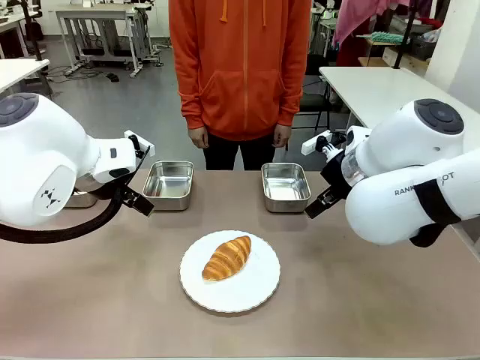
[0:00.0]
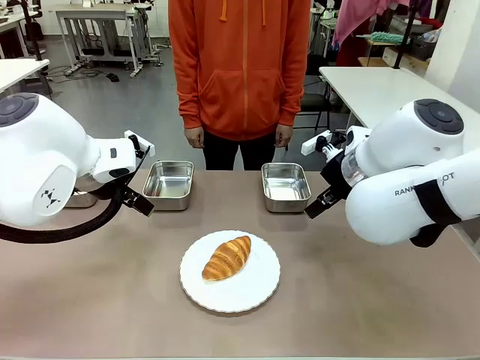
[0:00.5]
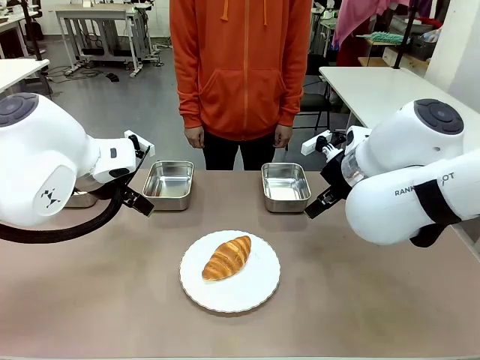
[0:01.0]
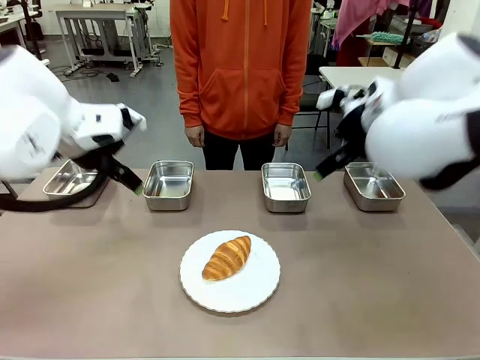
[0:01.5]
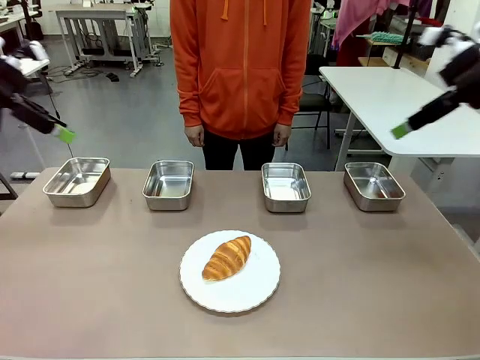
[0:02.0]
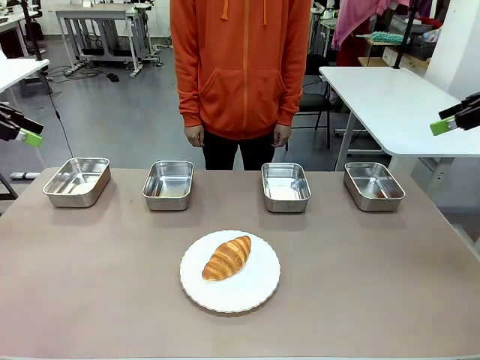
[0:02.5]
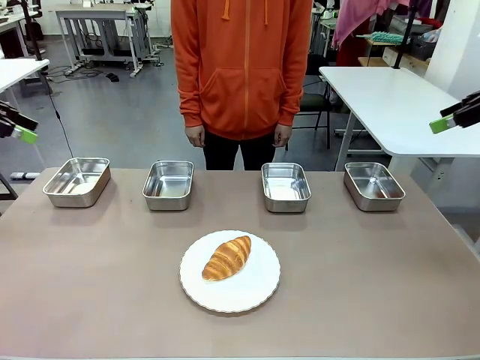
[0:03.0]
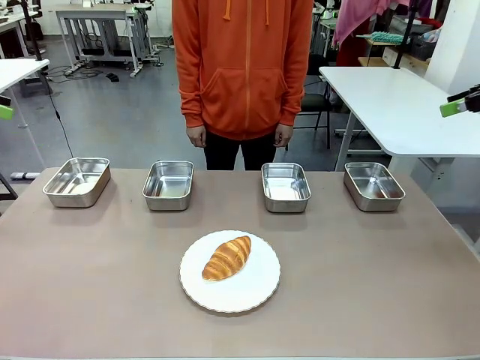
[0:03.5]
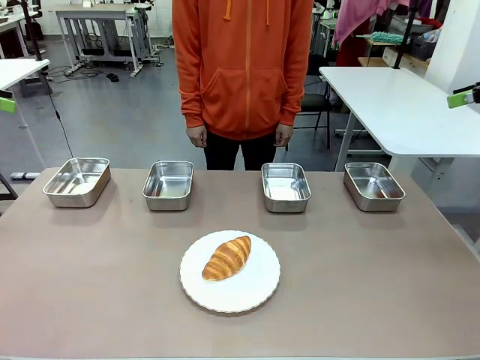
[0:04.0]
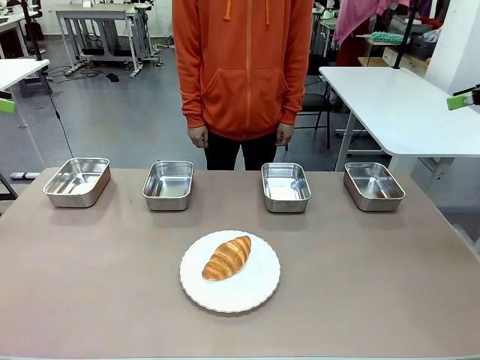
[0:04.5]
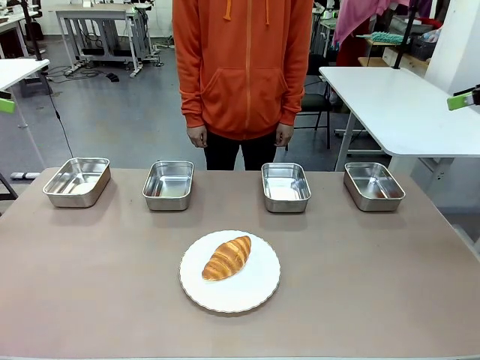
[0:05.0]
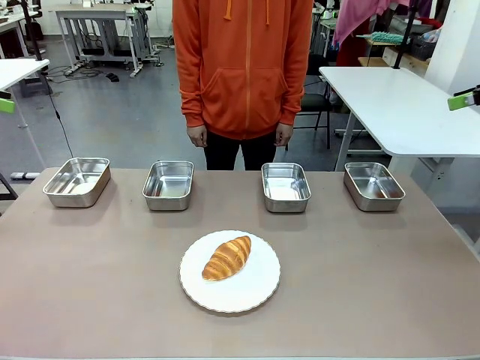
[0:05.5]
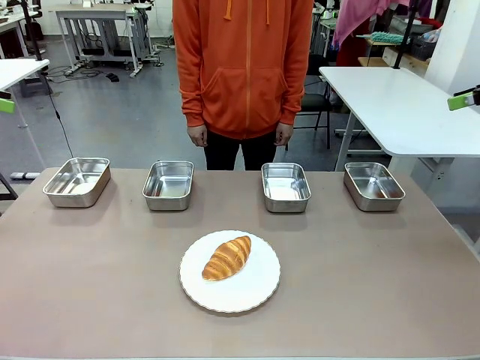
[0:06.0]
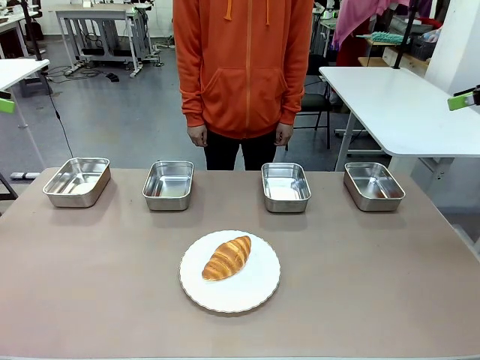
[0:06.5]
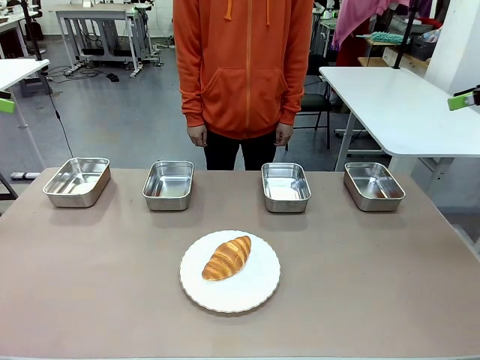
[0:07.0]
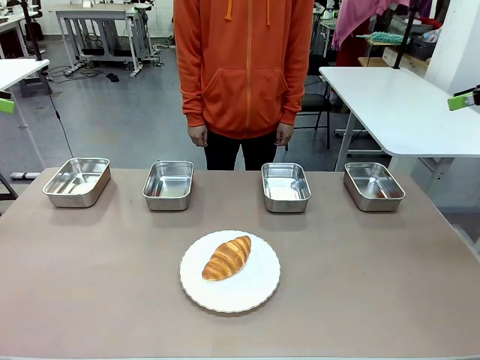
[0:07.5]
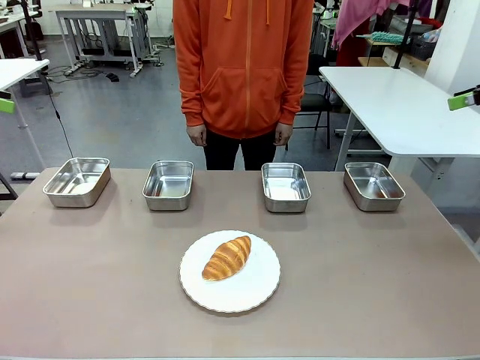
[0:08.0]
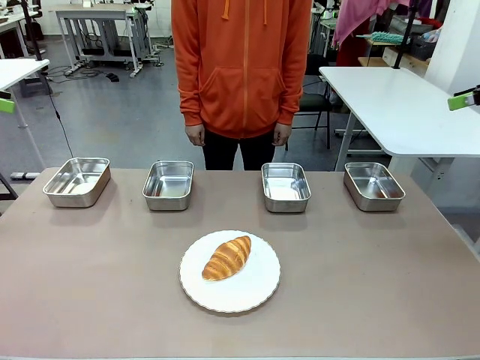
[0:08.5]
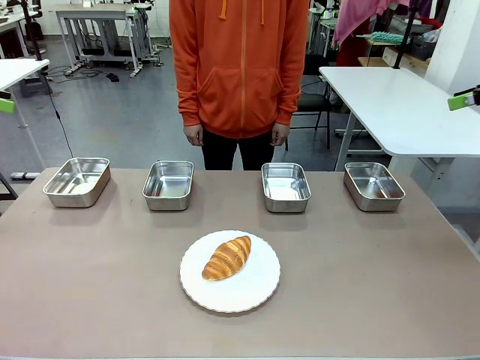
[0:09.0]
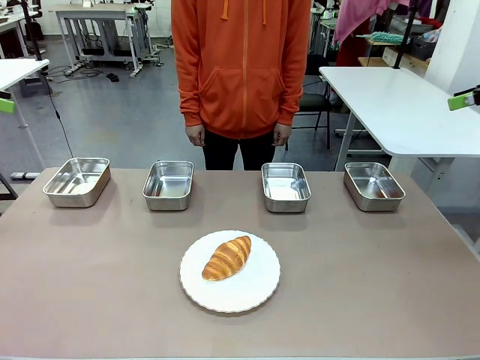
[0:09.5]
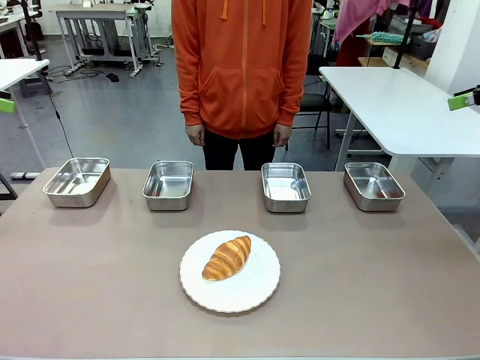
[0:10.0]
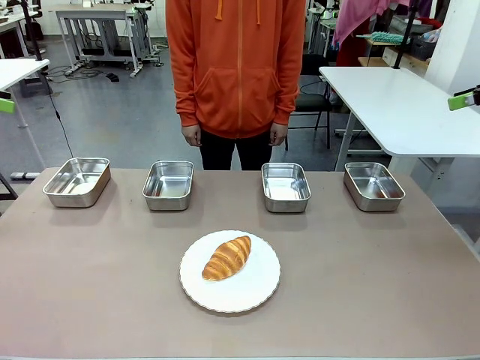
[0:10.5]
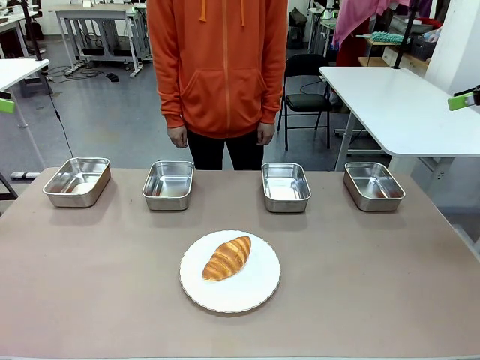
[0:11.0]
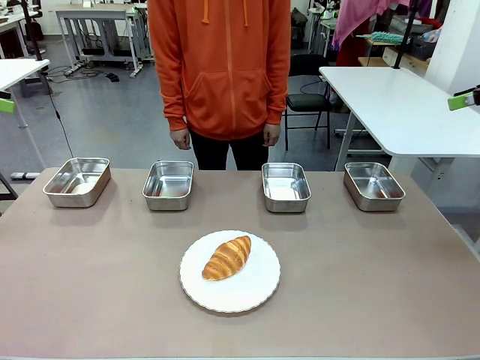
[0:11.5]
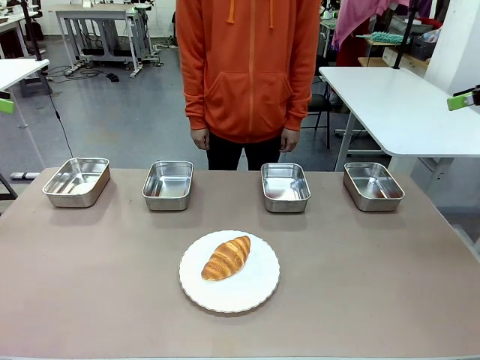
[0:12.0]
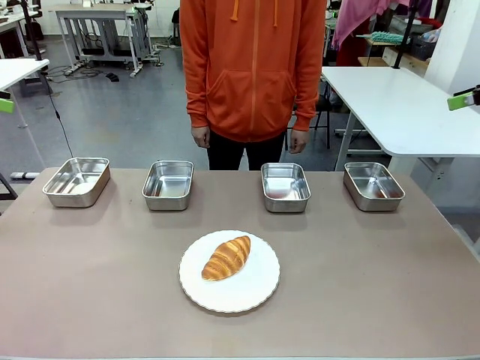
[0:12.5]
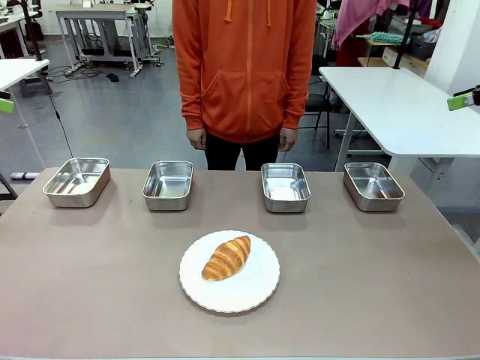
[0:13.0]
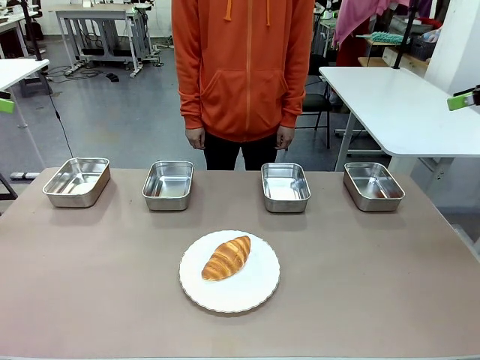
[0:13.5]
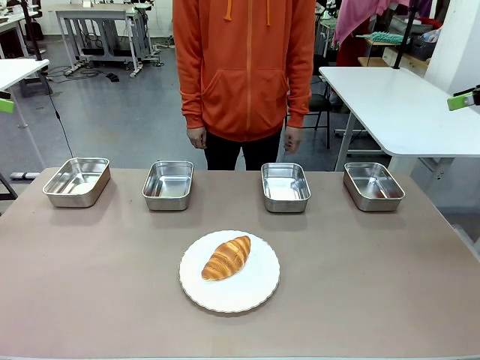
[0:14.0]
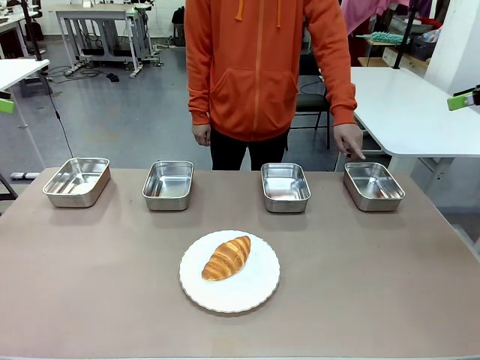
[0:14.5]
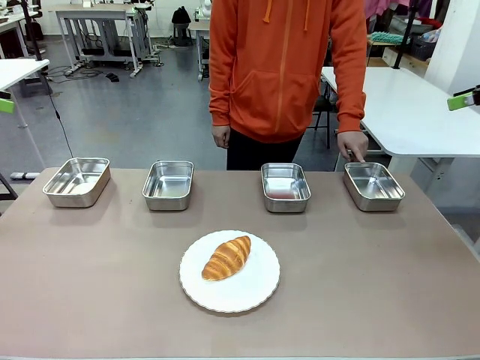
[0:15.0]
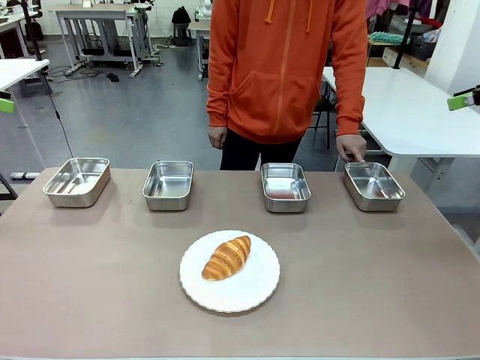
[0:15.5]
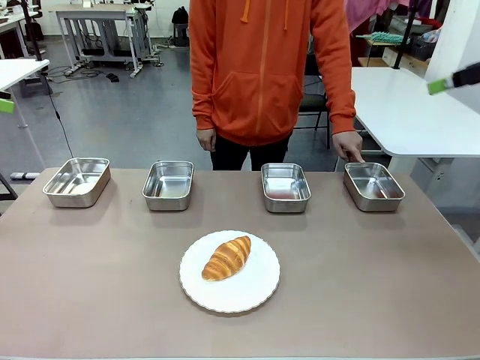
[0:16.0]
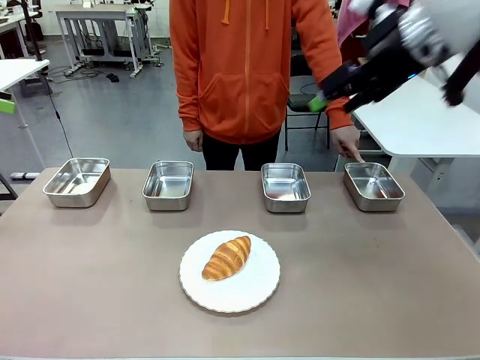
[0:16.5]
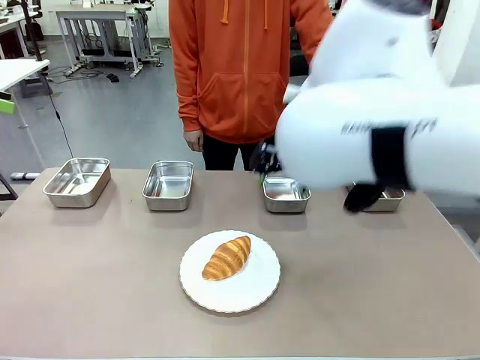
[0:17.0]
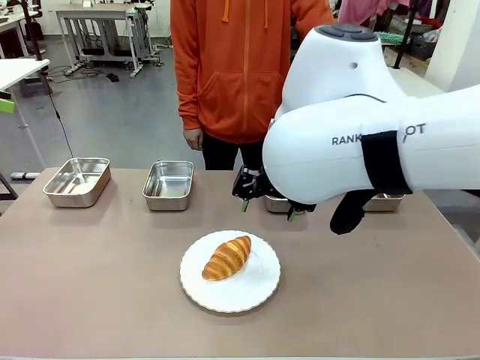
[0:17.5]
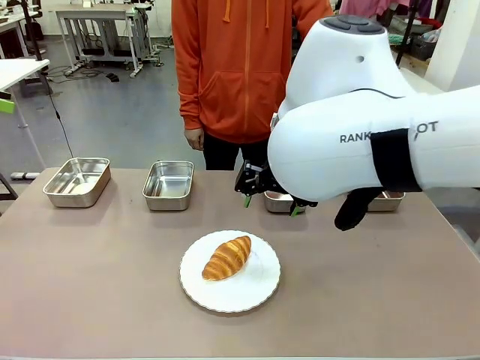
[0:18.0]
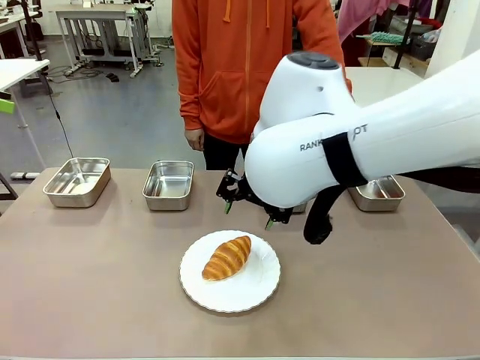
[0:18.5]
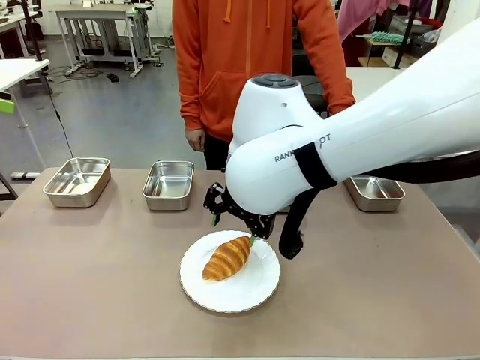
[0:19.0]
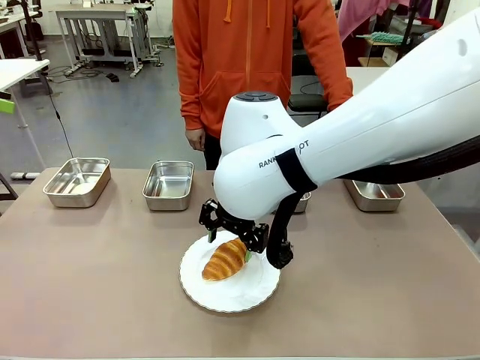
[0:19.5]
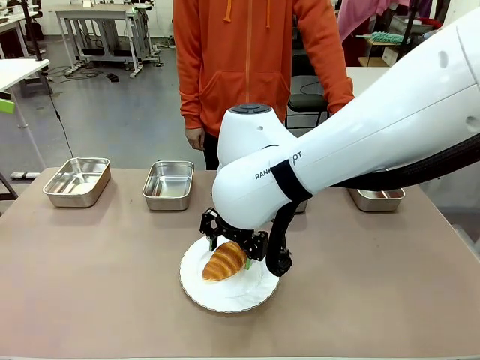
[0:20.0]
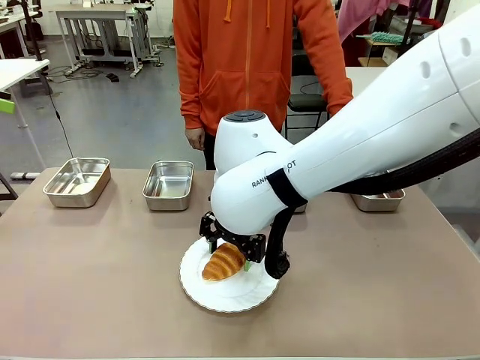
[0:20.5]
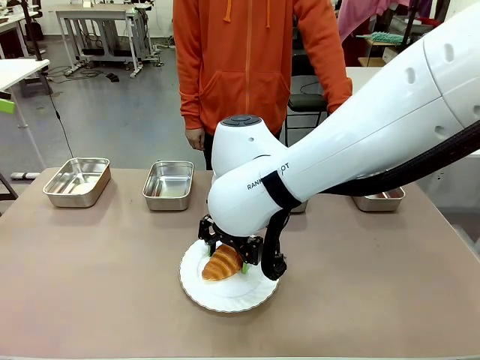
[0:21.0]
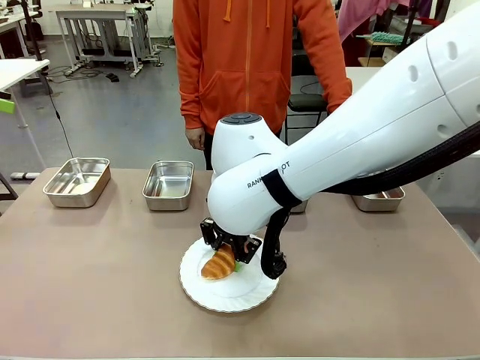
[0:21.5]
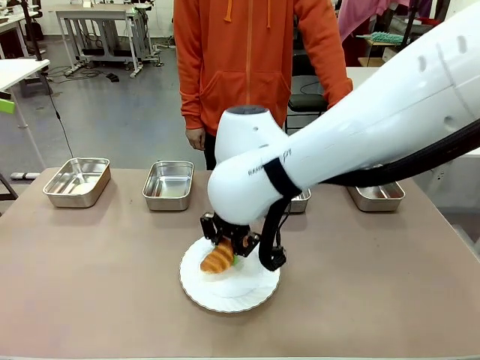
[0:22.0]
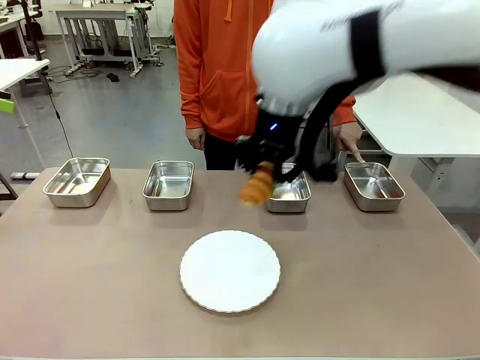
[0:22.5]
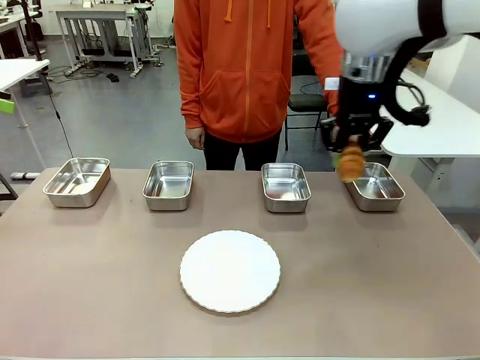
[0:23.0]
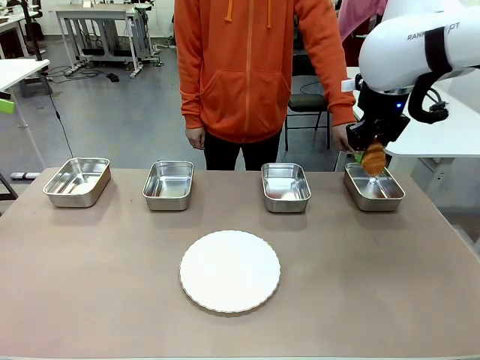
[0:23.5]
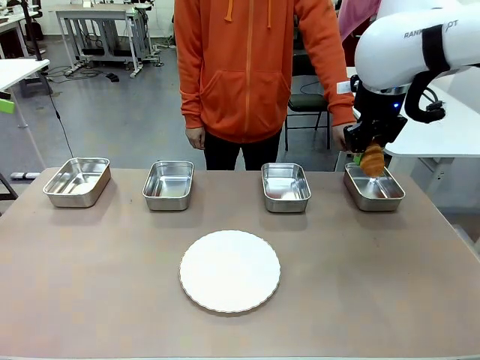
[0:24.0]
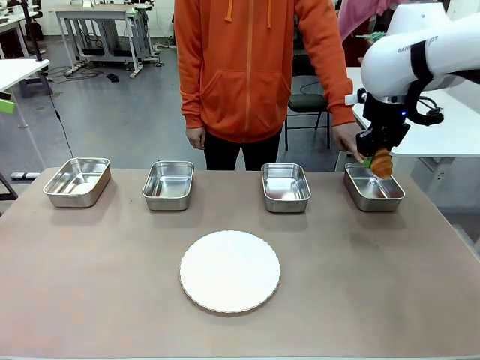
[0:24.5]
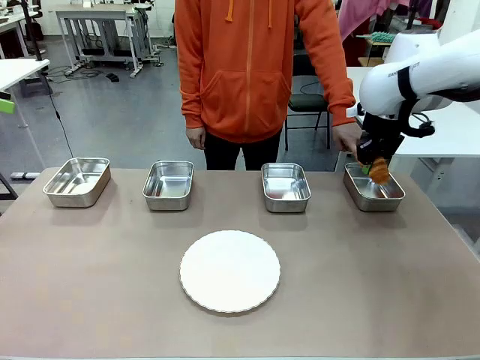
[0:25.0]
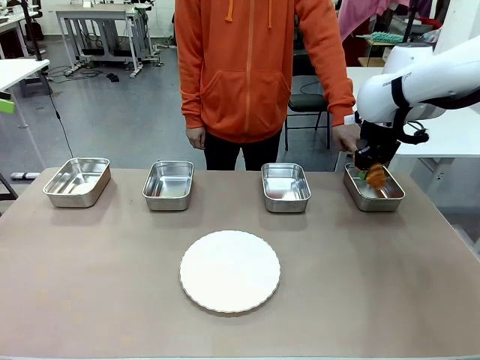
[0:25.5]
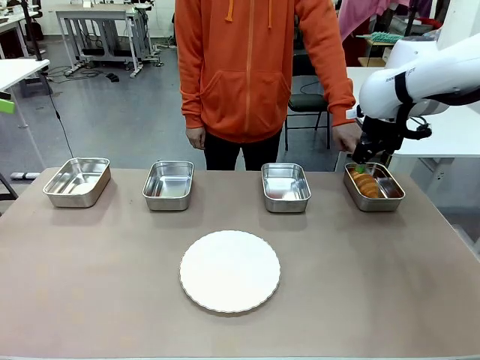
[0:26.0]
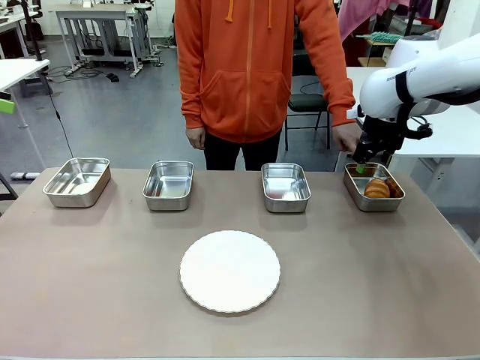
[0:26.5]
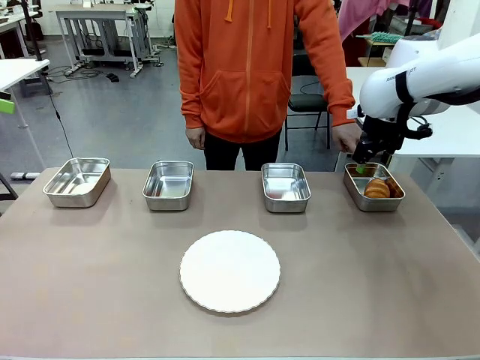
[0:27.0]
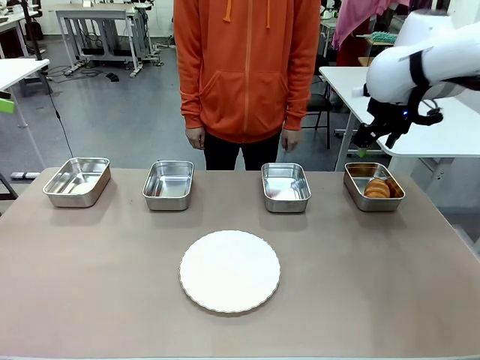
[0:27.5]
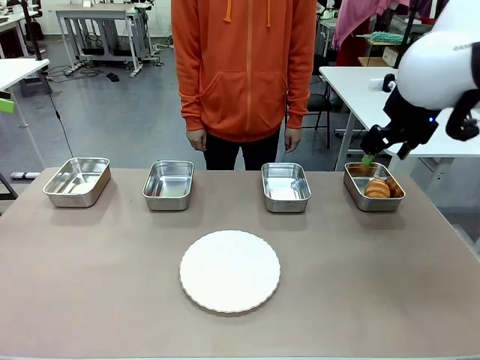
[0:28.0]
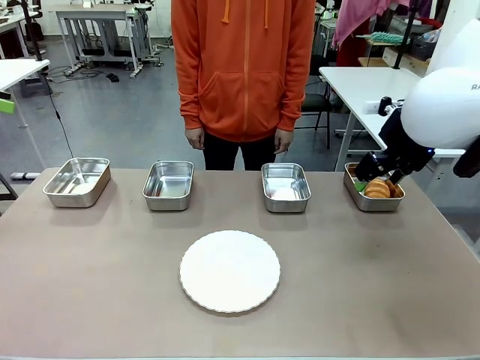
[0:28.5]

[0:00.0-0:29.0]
Task: Place the bread in the container.
Robot: Place the Butter Roll into the Airtight Container indicated by the human.
Person: A person randomly selects and points to an Airtight Container.
